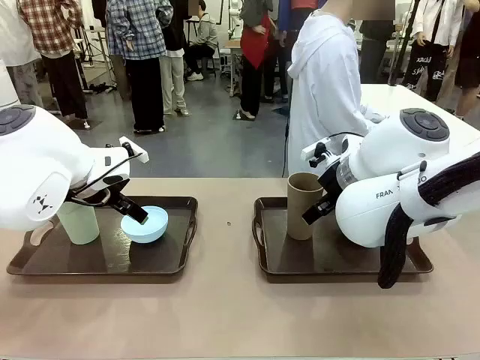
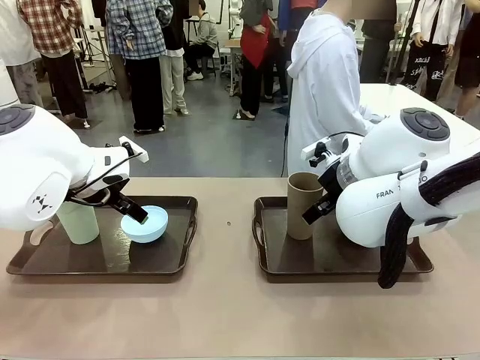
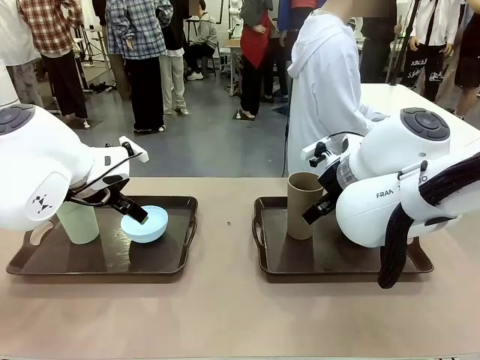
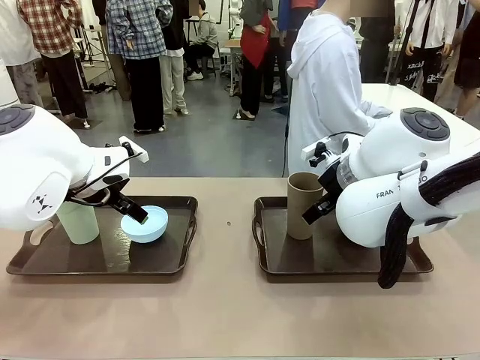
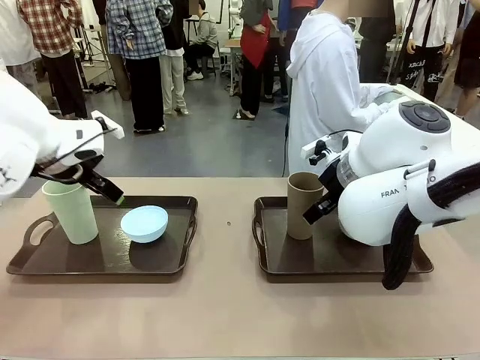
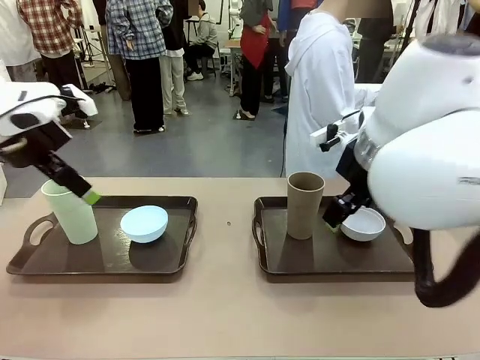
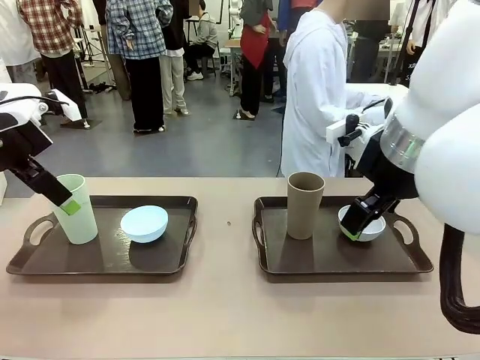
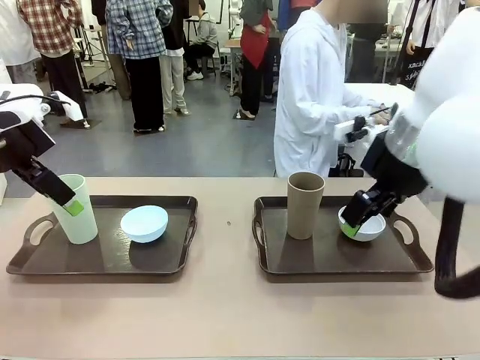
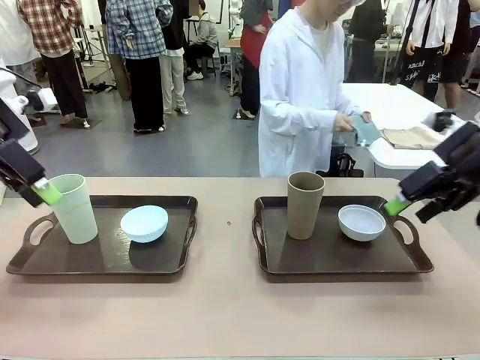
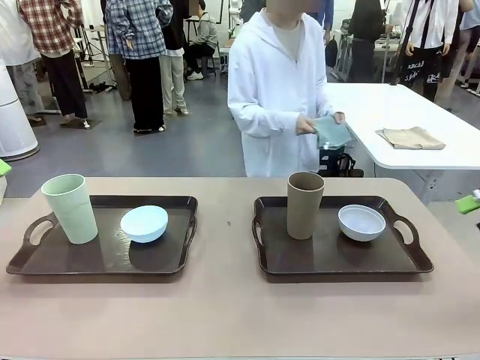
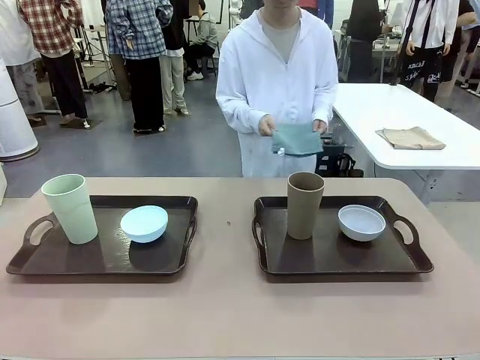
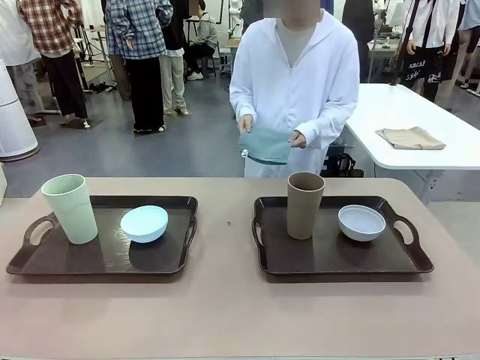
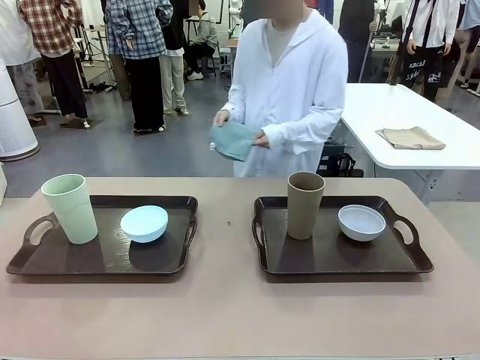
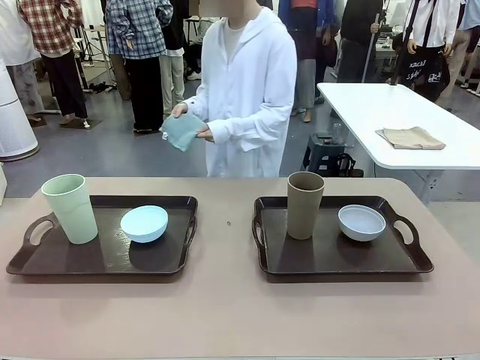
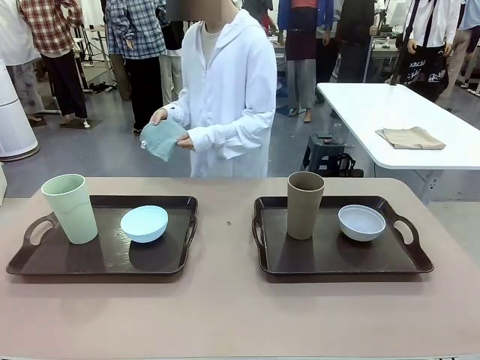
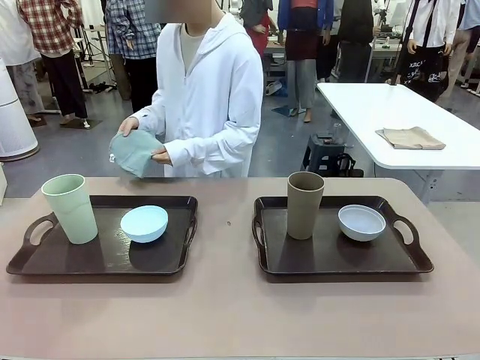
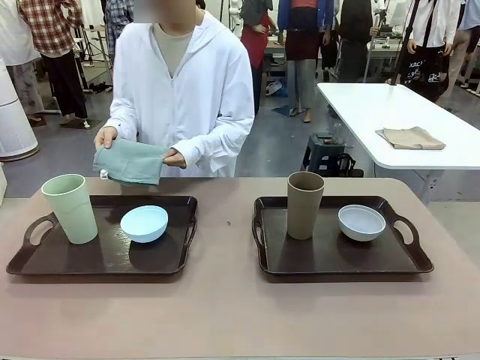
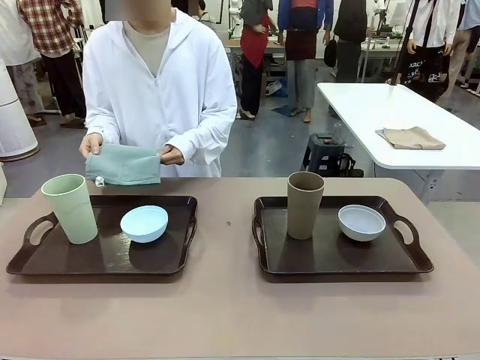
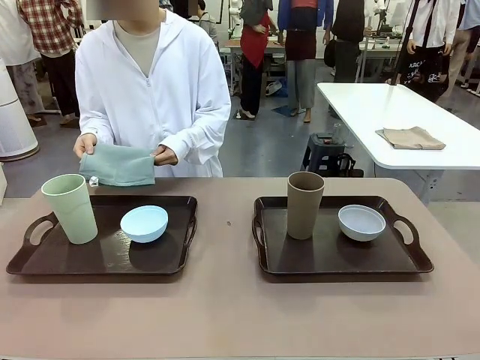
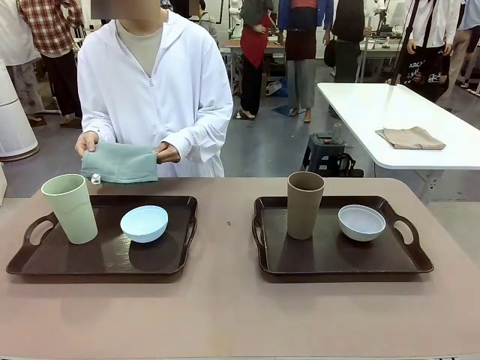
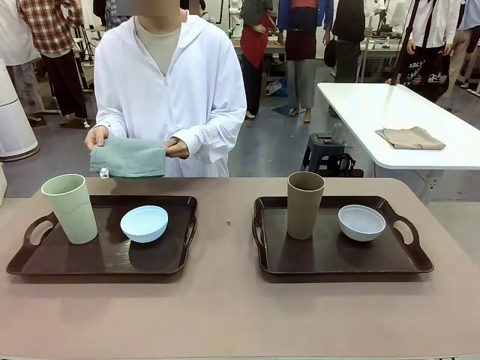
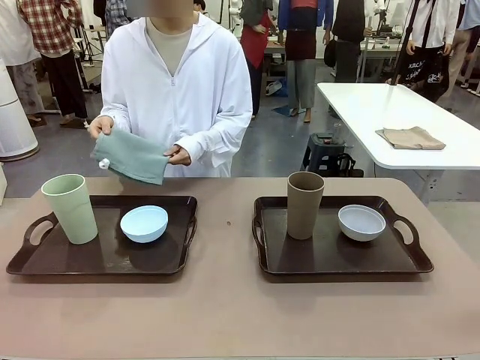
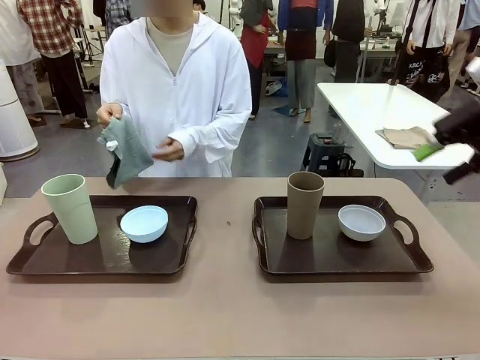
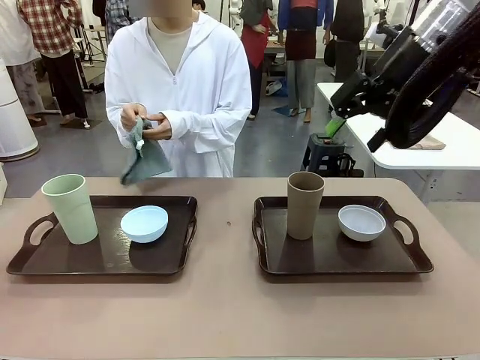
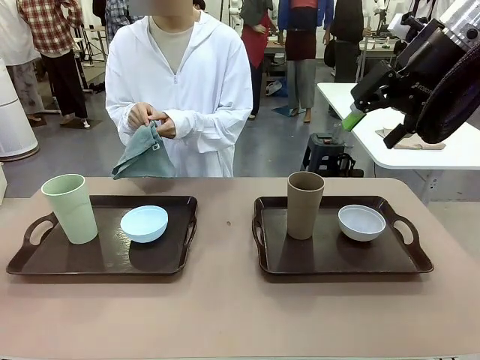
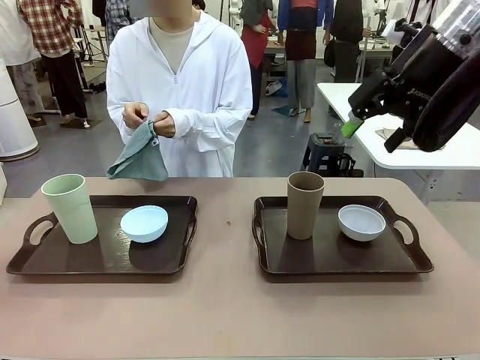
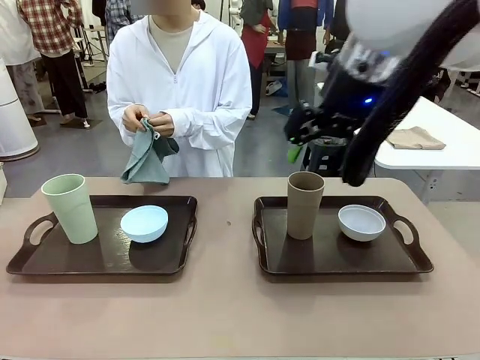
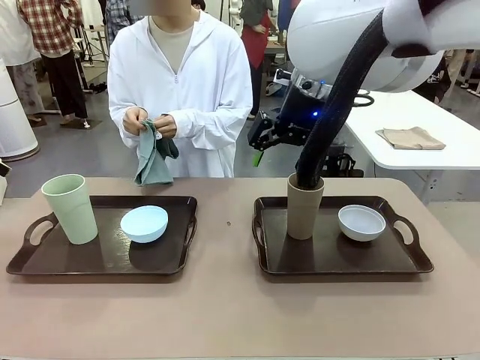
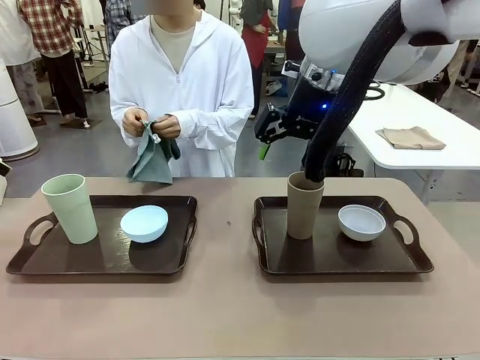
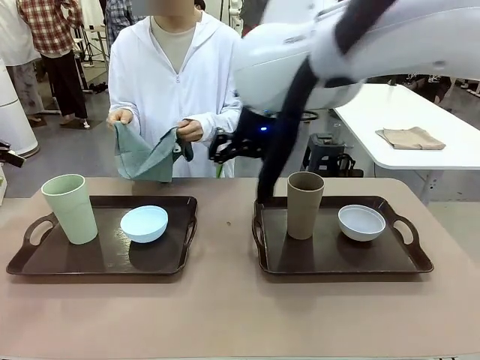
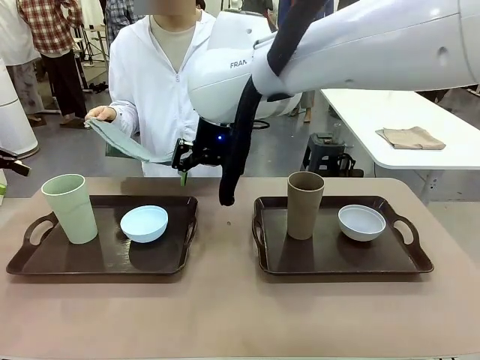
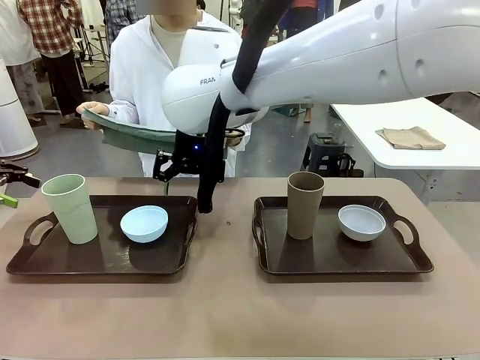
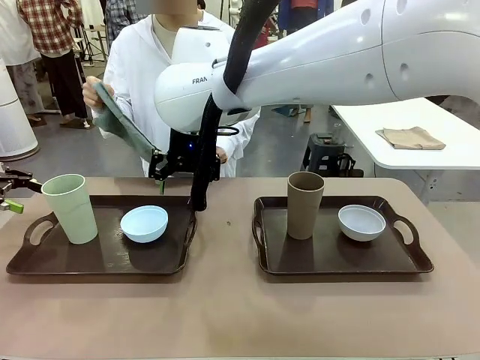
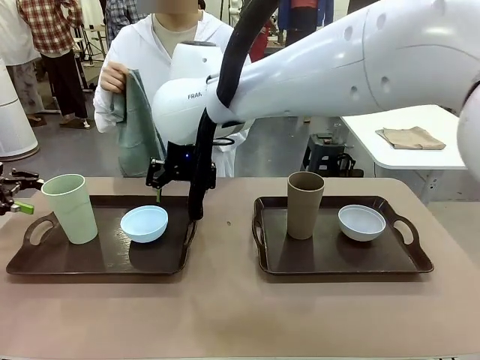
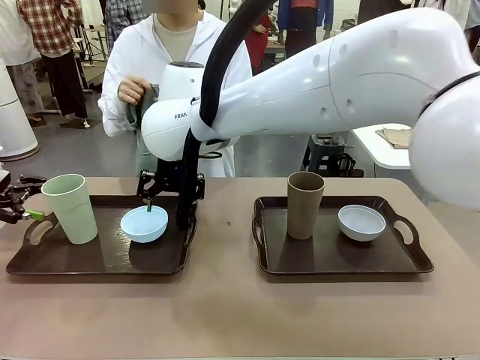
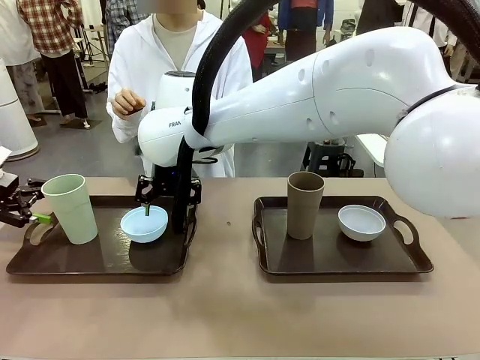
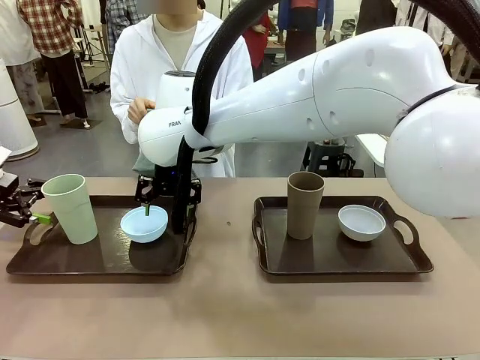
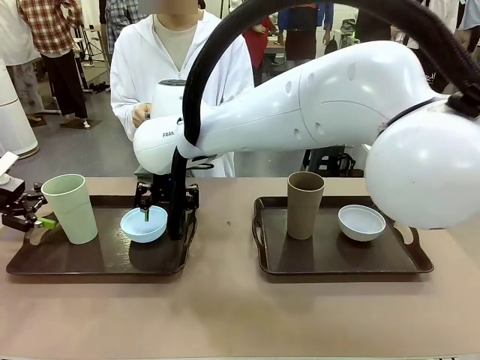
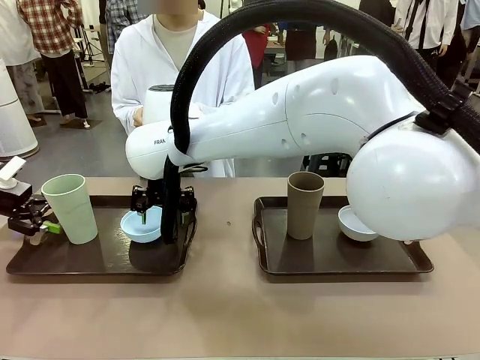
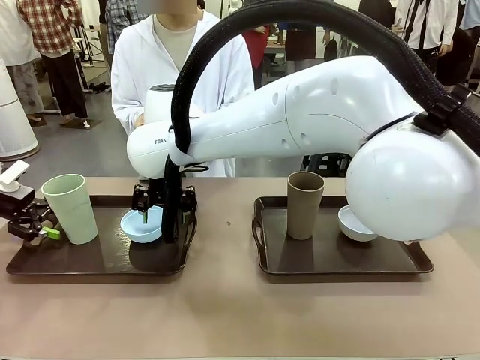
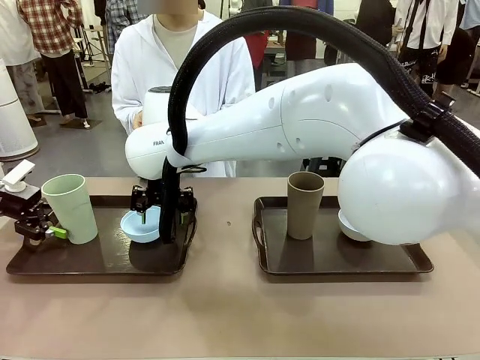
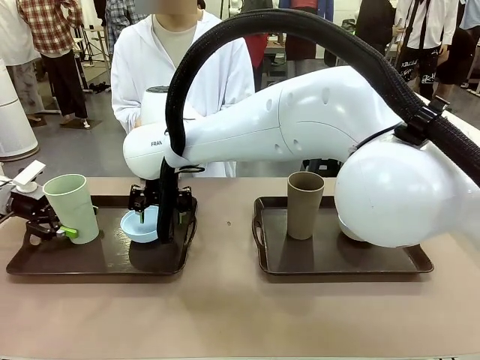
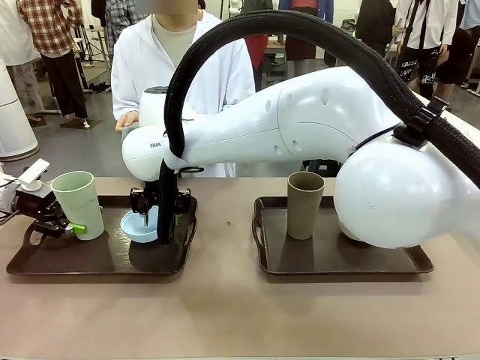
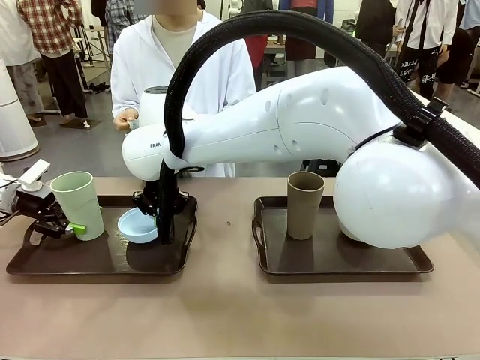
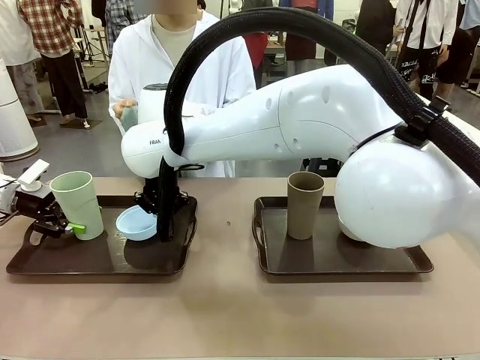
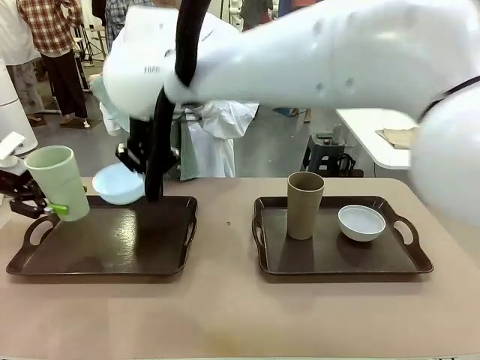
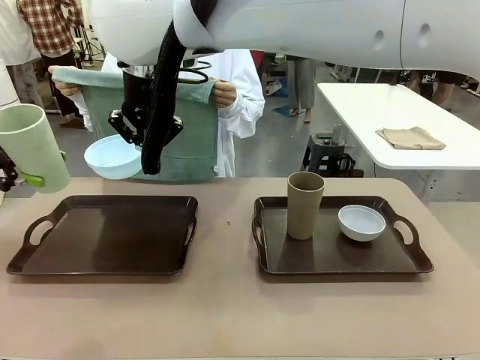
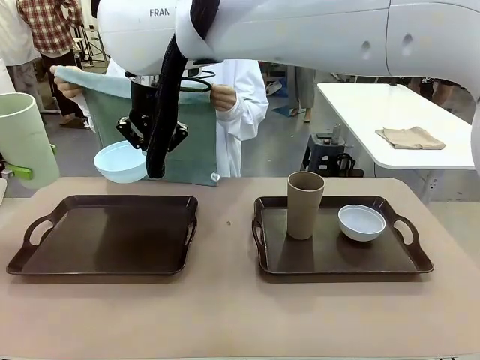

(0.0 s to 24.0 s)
Robot: Pick up the Picnic Bowl and Reusable plastic cup from the Handle tray in front of the human's position and hold them in the air.
Person: The human picks up the top napkin from the stack on the human table and walks to the robot table to stand in front of one of the two trays. When the robot lifts the bowl and the cup, the human unfolds the napkin and lays the napkin flat on the tray.
